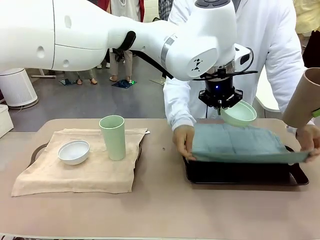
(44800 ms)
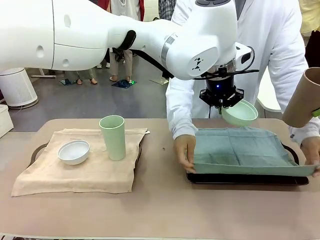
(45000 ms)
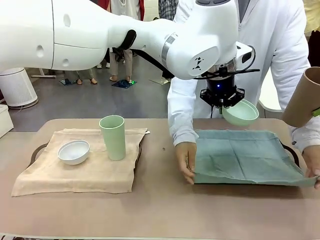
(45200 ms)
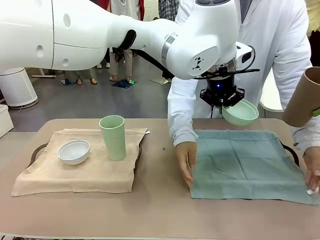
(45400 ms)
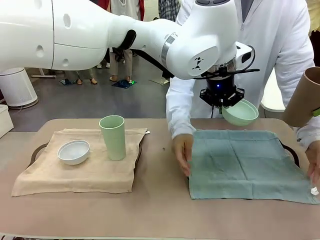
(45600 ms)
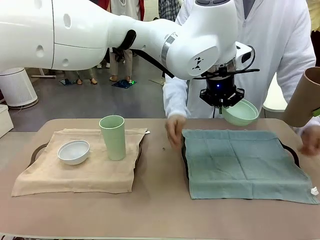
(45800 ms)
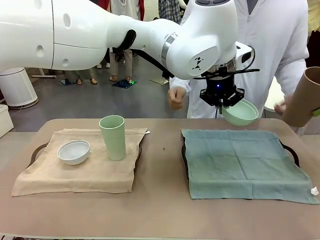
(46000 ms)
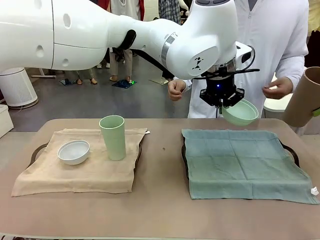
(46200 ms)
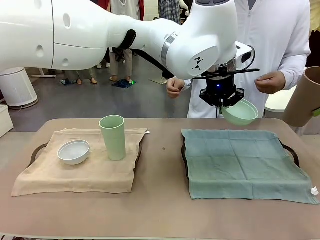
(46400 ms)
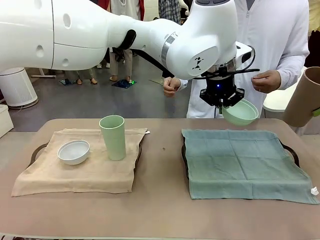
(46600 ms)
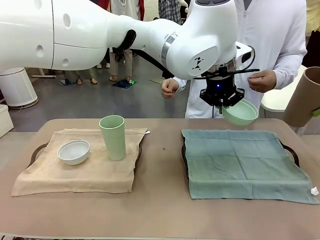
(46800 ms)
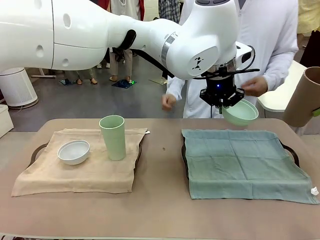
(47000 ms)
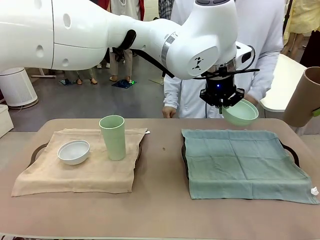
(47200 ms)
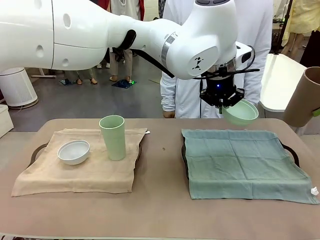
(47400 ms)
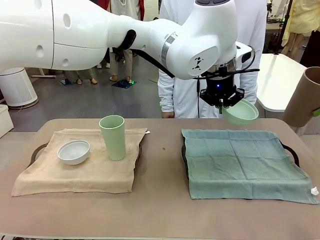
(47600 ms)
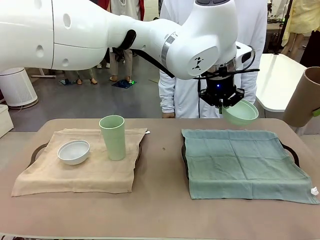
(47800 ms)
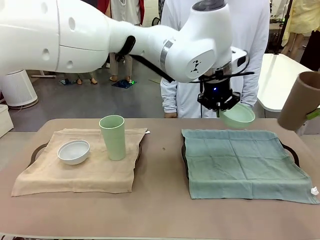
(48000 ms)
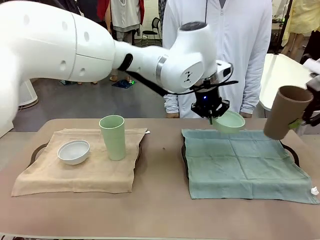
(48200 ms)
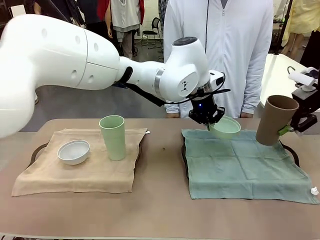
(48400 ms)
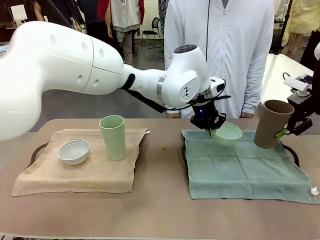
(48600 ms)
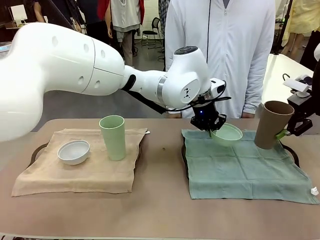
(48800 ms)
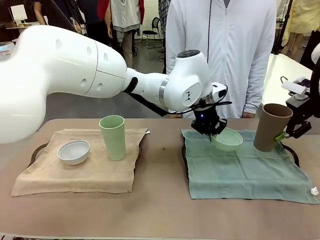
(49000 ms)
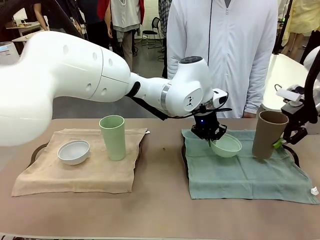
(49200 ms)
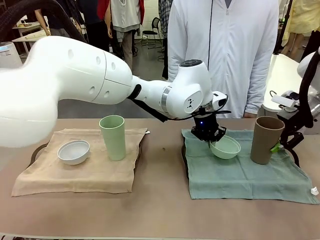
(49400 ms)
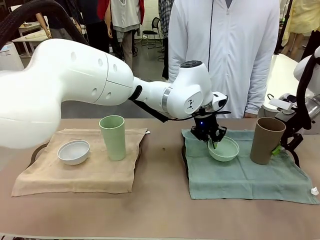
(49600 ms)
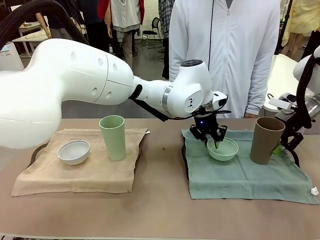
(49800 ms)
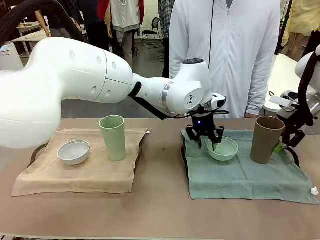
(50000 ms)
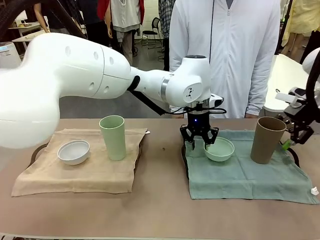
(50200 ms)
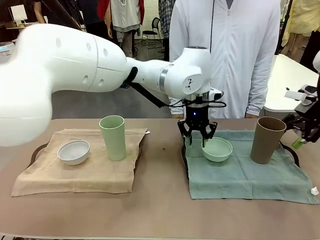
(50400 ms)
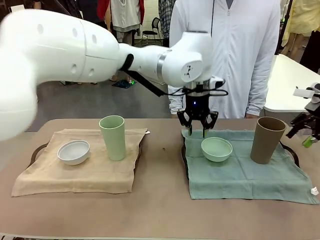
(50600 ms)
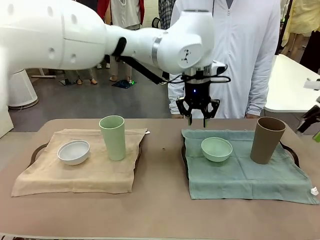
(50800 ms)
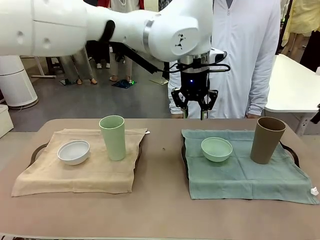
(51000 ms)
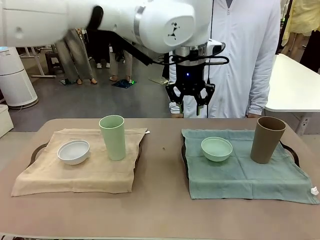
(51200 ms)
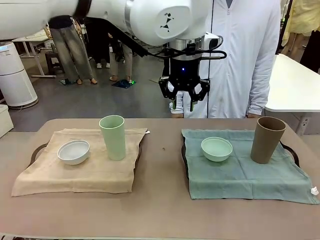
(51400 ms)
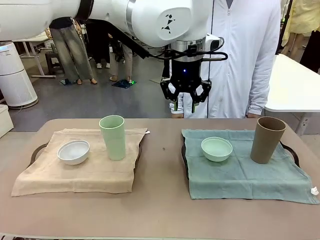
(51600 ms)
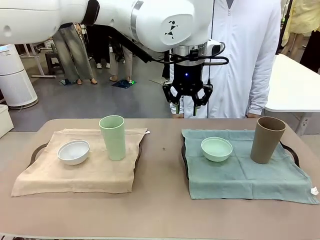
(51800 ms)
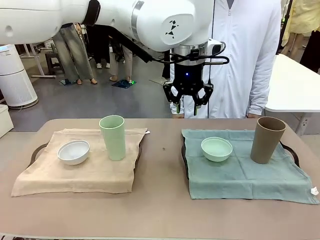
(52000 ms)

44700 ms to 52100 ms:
Robot: Place the Picnic Bowl and Reusable plastic cup back onto the Handle tray in front of the human's position.

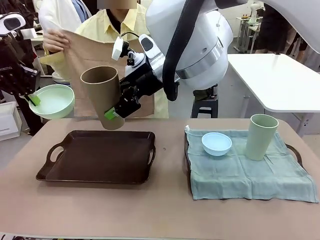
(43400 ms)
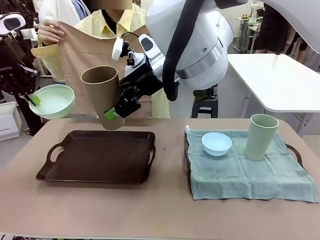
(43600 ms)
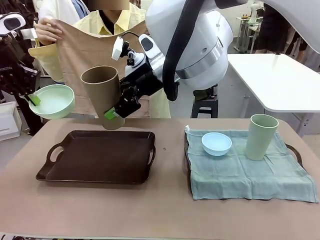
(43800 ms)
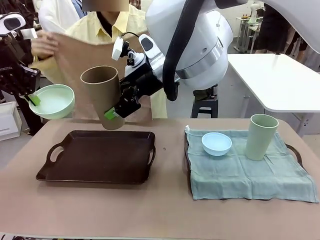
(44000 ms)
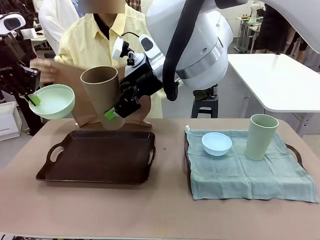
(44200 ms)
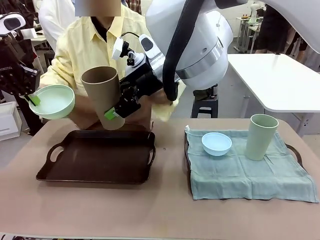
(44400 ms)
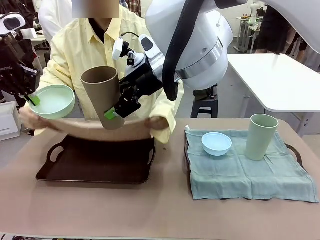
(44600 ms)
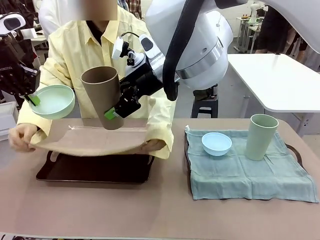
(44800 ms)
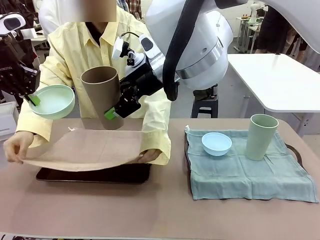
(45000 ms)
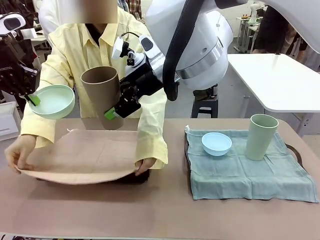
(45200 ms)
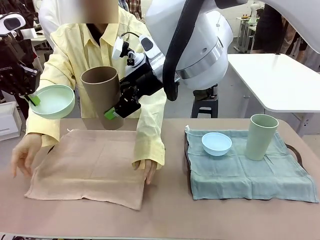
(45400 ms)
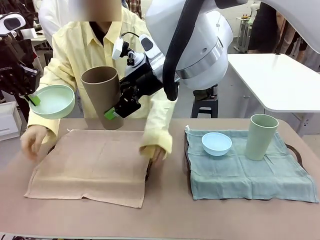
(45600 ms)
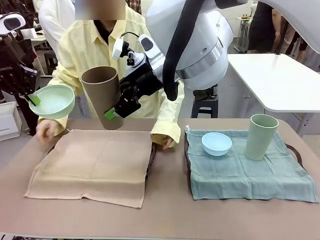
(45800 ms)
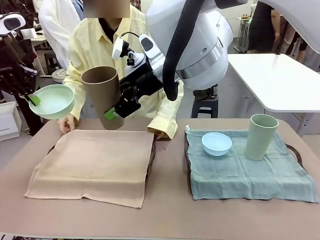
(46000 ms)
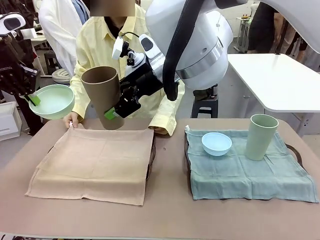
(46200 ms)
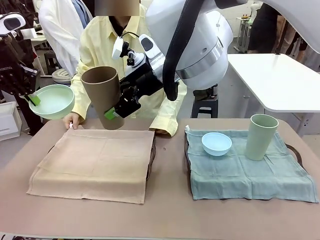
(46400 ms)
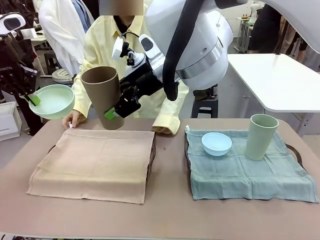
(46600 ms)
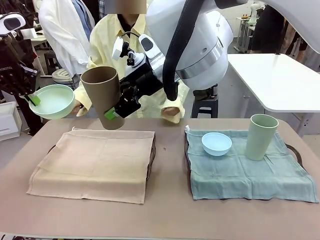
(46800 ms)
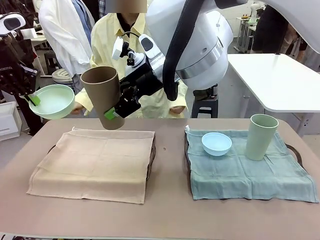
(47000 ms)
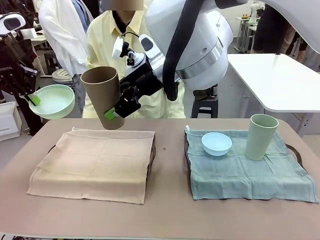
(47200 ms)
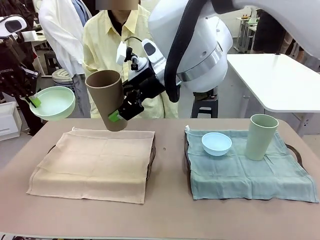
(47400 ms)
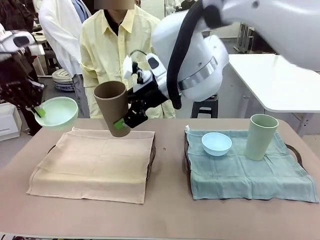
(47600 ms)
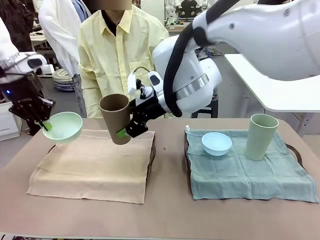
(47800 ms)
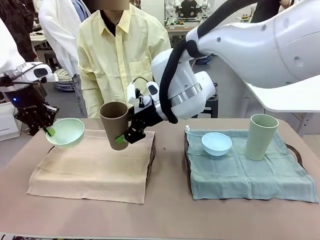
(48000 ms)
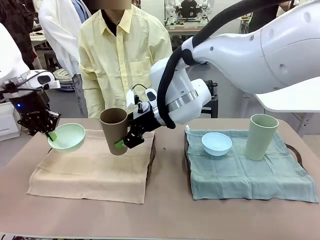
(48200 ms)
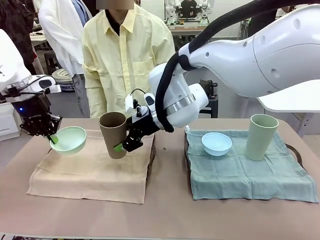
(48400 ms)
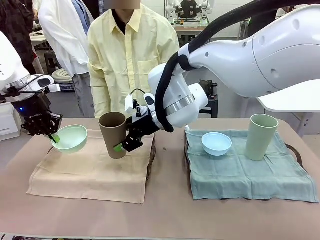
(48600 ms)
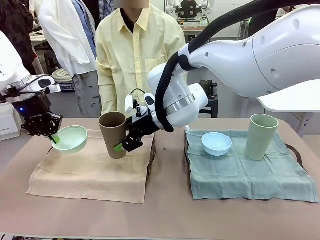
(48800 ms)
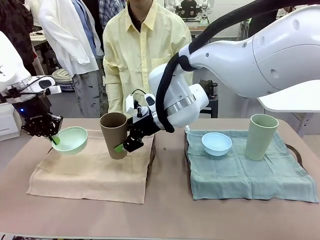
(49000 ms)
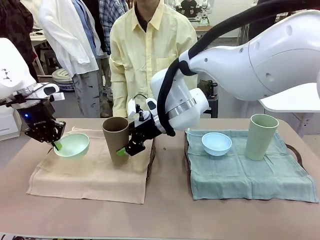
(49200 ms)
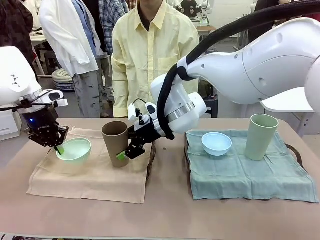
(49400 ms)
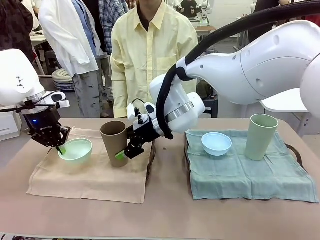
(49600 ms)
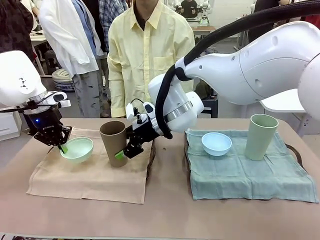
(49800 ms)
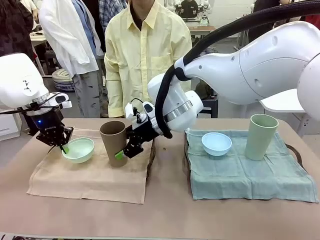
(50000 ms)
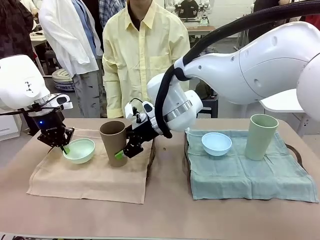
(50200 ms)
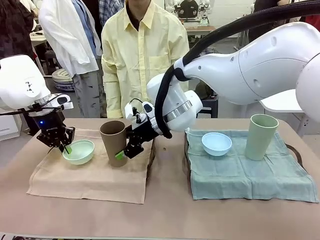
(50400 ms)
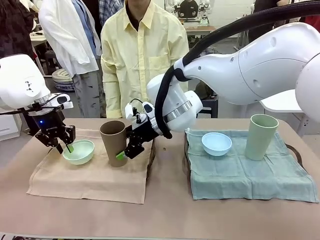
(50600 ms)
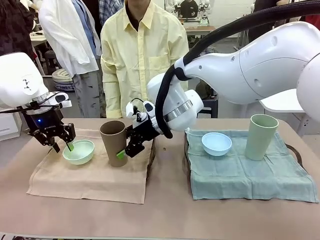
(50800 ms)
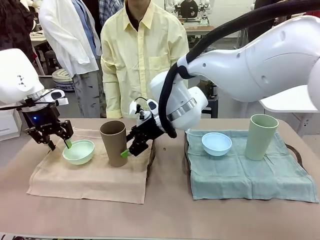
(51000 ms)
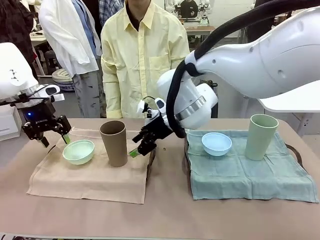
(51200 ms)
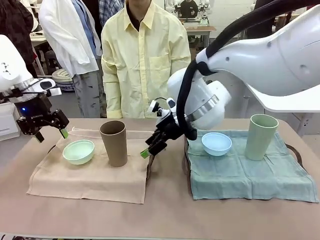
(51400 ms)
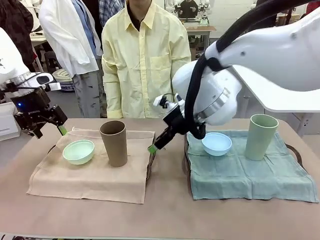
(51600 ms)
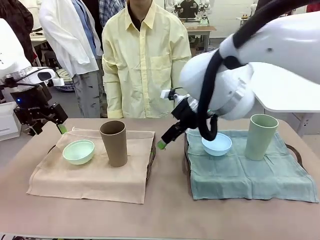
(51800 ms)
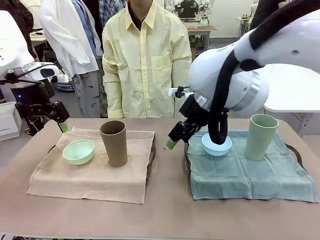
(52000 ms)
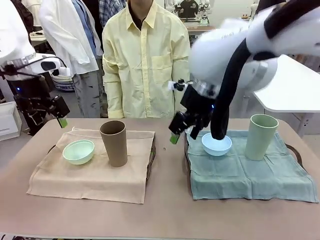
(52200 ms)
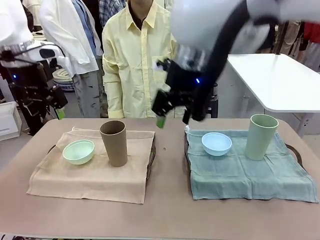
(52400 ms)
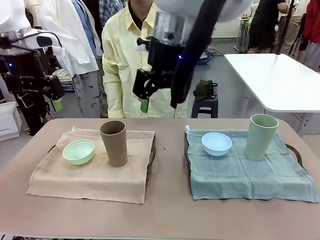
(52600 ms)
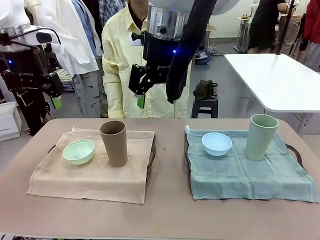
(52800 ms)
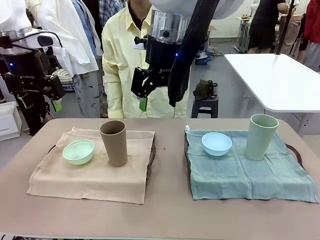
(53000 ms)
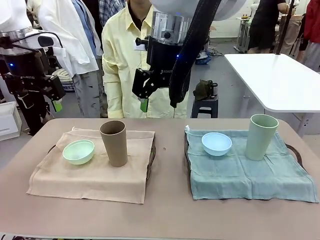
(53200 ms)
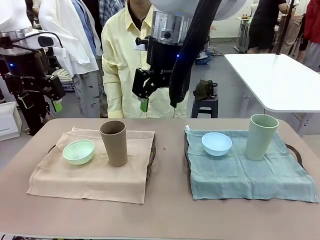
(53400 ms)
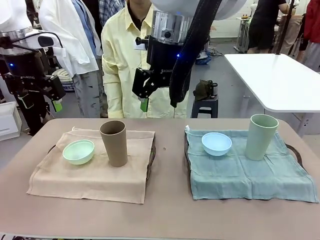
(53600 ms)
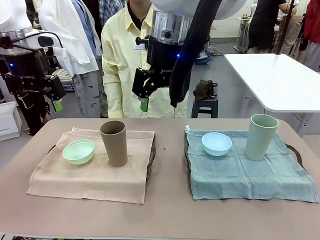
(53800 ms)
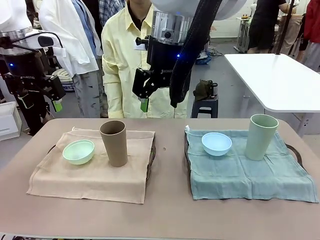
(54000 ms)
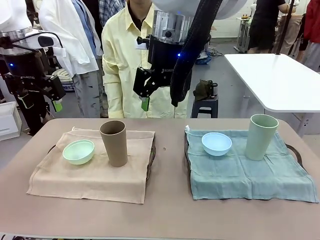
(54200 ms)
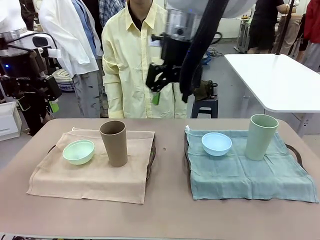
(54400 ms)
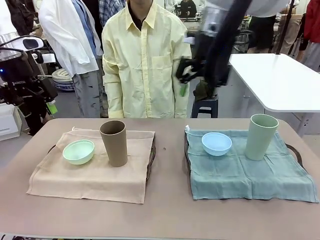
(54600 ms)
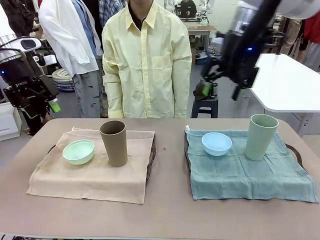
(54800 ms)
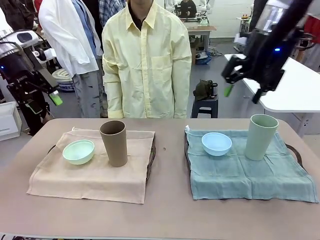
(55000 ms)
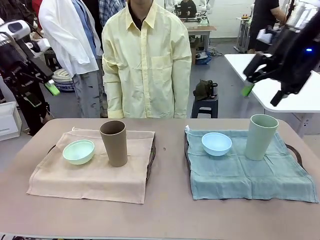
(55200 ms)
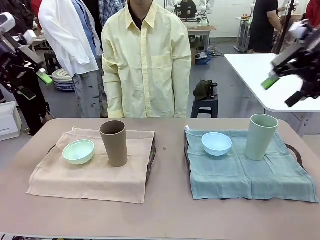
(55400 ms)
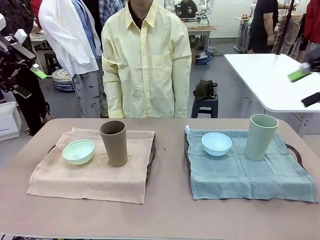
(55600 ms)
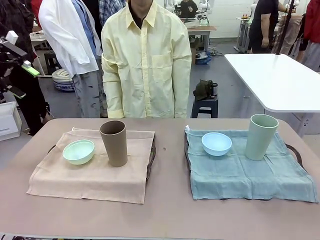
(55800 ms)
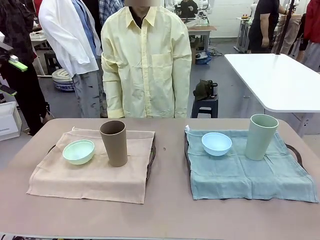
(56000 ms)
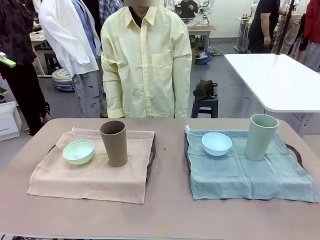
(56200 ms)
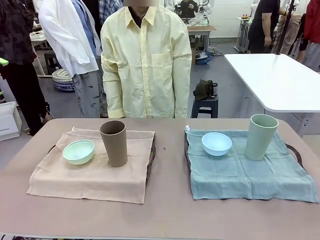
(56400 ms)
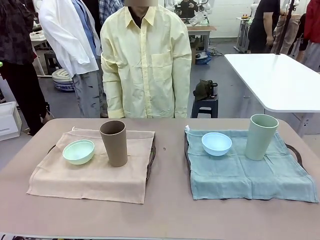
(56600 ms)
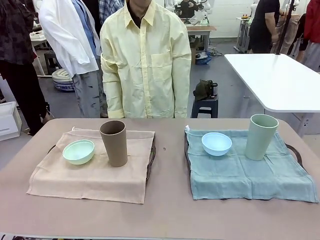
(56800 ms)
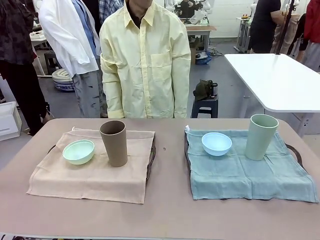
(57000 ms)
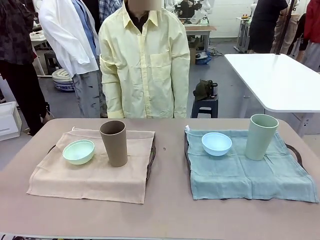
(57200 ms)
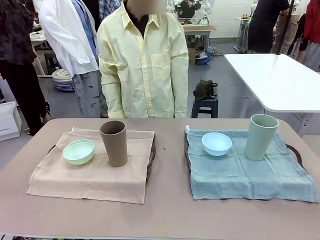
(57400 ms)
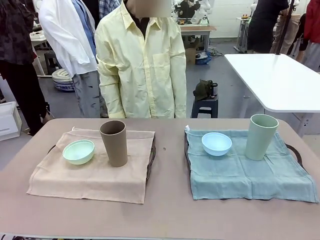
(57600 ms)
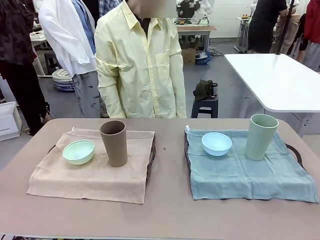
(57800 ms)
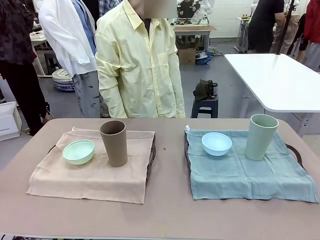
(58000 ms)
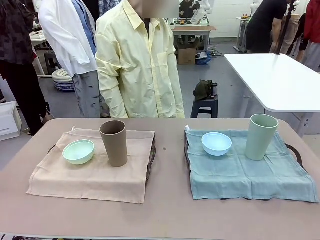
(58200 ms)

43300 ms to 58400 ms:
Robot: Place the Picnic Bowl and Reusable plastic cup back onto the Handle tray in front of the human's position.
Person: When the robot lifts the bowl and the cup, the human unfolds the napkin and lays the napkin flat on the tray.
